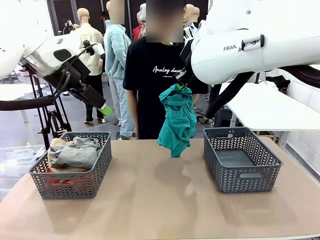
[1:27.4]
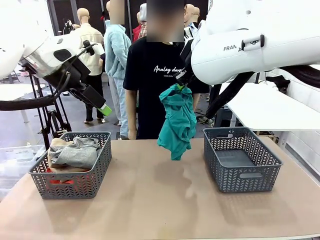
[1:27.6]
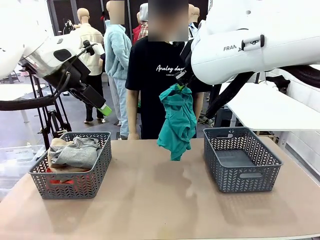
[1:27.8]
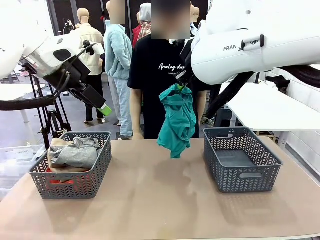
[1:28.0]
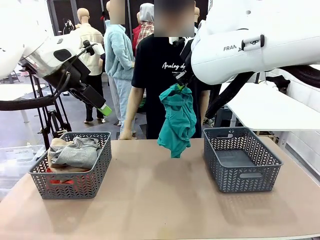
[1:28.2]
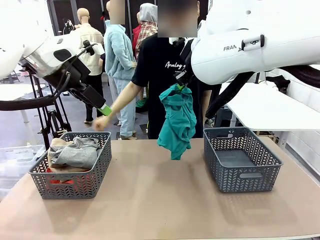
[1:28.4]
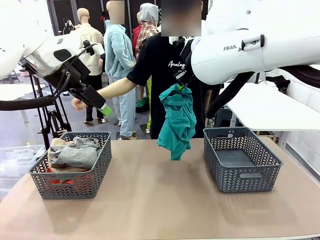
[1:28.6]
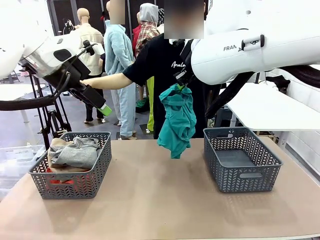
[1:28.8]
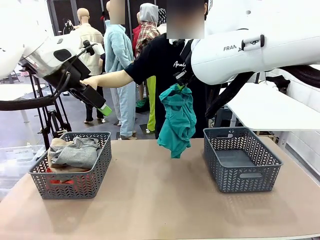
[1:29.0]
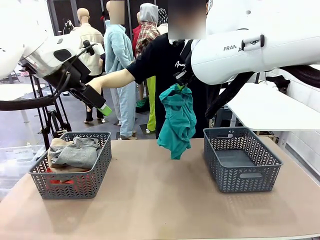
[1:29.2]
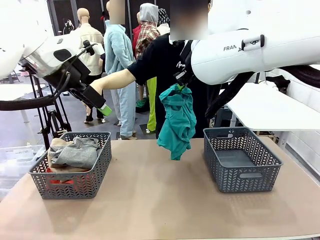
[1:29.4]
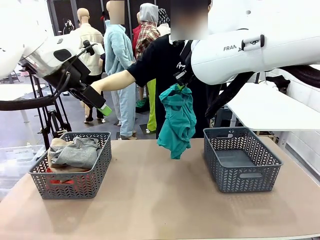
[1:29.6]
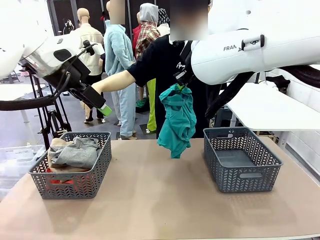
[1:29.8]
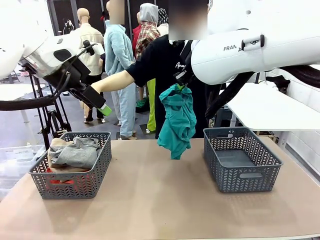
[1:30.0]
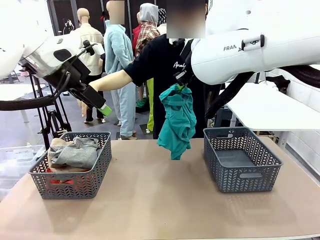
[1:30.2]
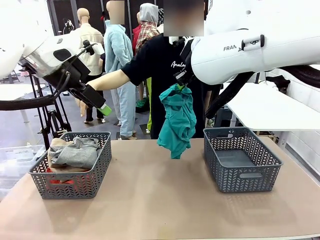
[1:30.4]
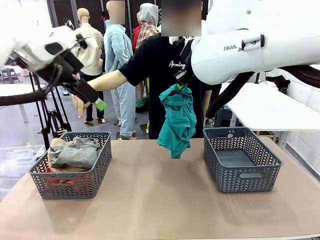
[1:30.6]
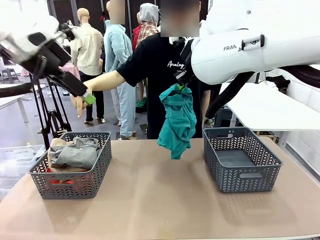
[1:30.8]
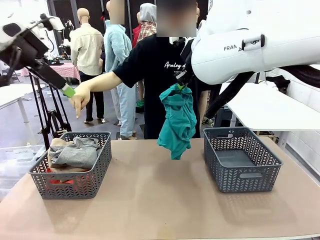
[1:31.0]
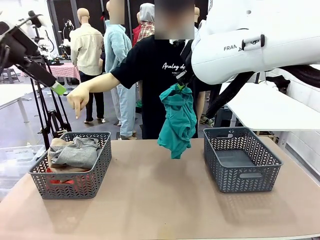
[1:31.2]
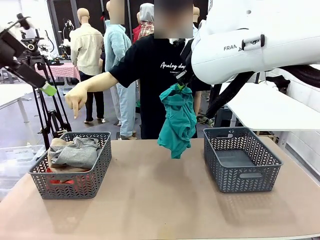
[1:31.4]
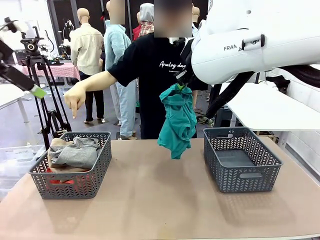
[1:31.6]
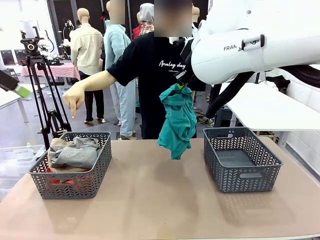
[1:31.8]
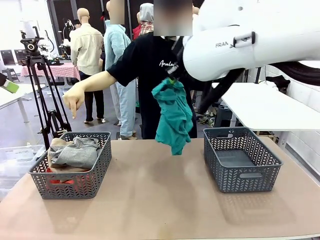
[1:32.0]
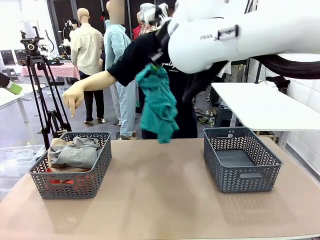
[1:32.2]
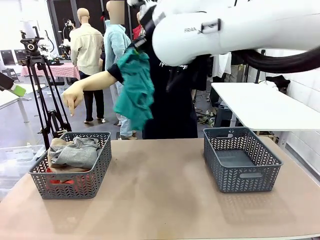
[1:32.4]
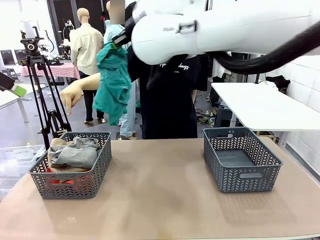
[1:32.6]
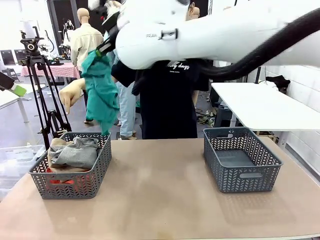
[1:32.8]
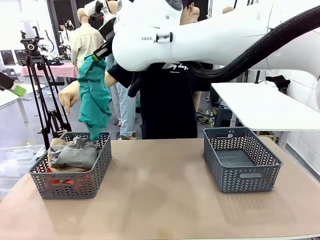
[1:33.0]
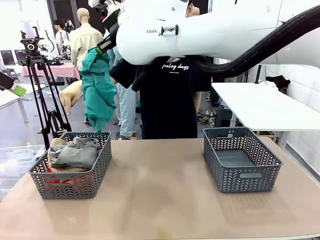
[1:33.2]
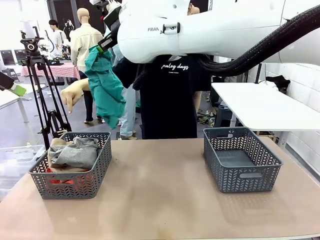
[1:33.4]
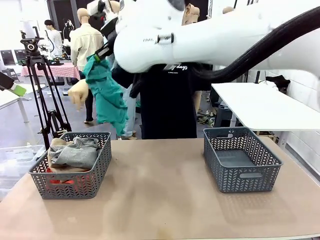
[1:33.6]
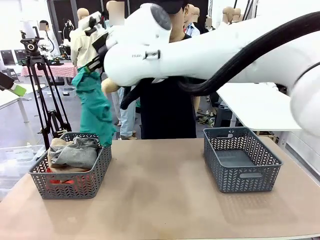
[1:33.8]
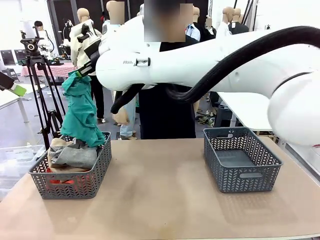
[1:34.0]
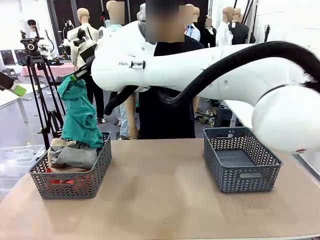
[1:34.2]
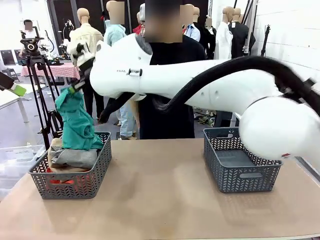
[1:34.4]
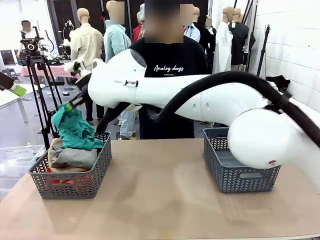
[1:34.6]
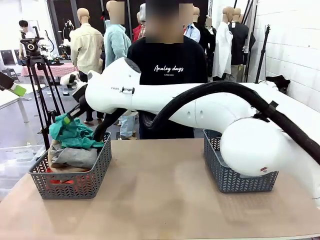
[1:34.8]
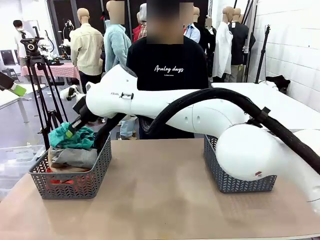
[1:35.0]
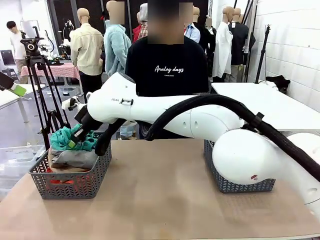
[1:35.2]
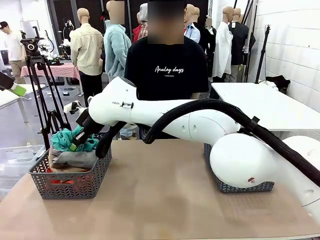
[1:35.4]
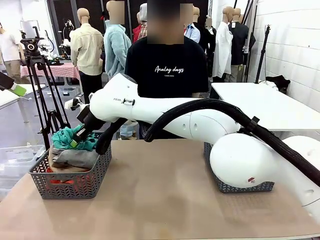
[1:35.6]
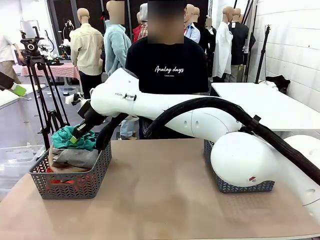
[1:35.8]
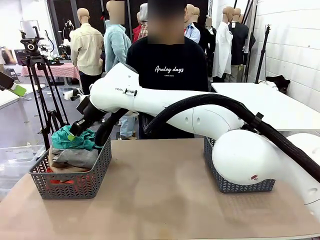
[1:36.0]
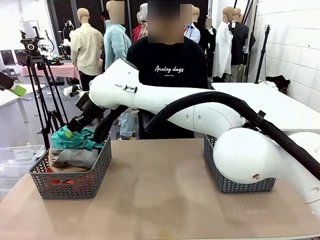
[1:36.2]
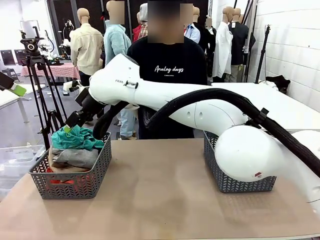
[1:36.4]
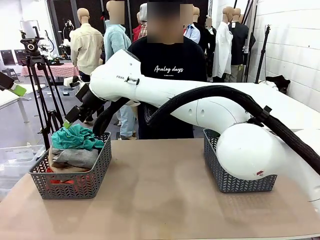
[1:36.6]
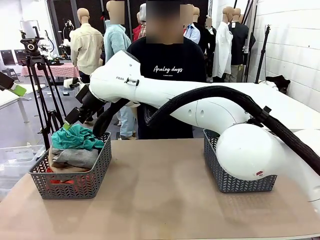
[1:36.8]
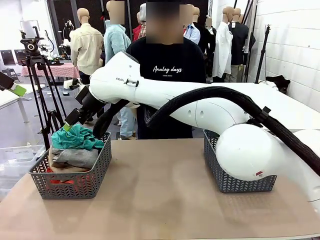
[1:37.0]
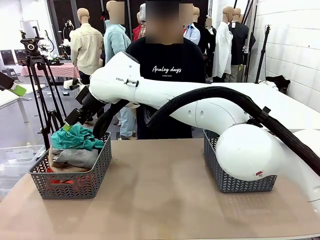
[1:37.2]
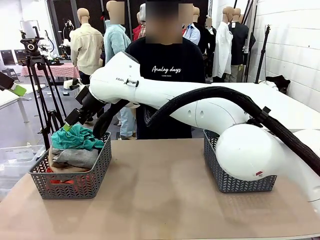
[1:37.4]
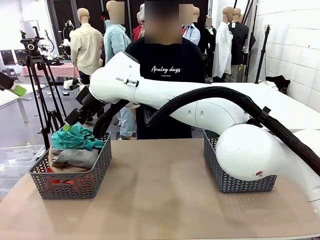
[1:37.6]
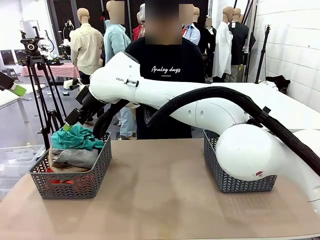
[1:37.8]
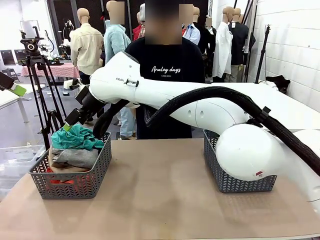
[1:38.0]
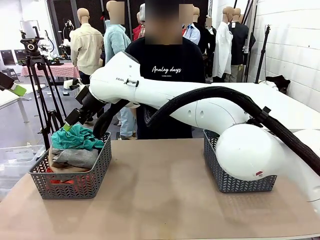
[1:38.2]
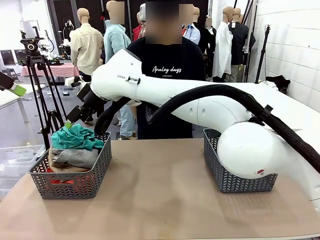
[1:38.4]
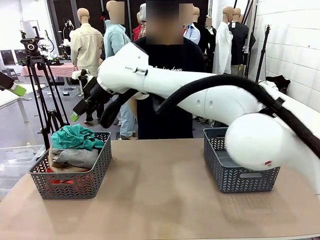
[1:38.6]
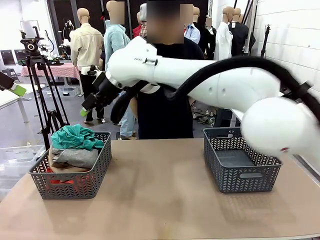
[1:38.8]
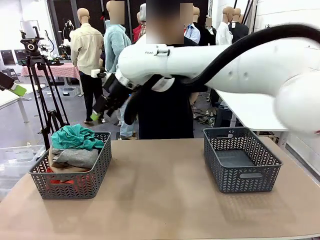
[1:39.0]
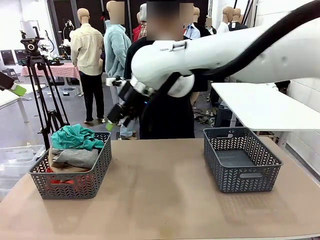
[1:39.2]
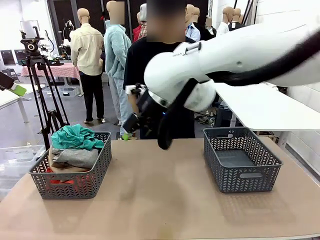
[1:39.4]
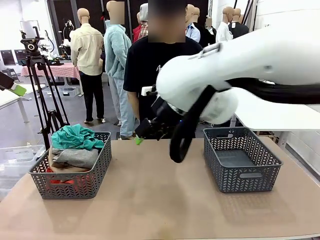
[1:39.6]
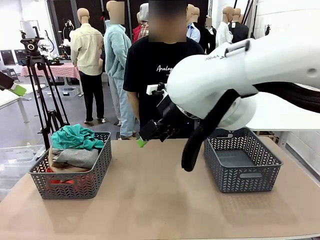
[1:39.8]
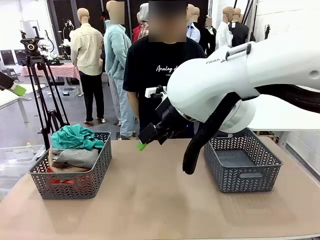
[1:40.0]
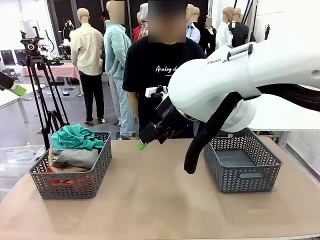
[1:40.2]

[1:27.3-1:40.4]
Task: Sort the tops and bottoms.
Robot: Sort the clothes according to human instructions.

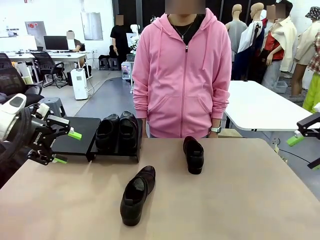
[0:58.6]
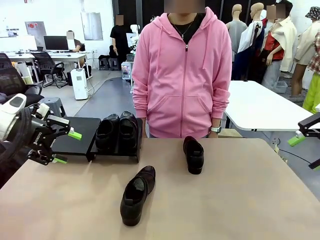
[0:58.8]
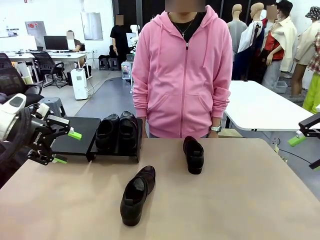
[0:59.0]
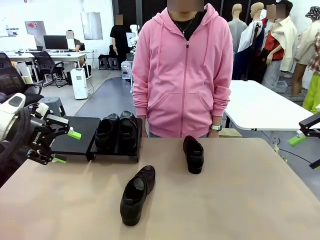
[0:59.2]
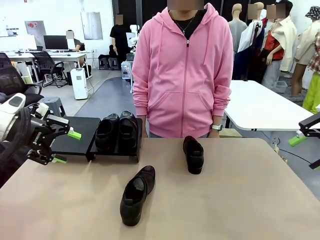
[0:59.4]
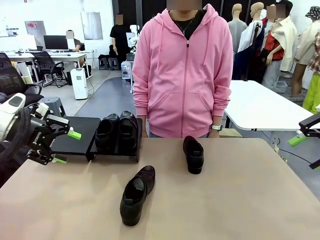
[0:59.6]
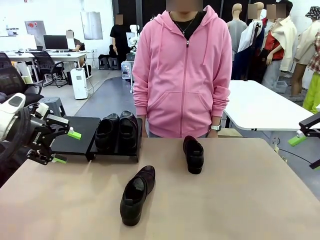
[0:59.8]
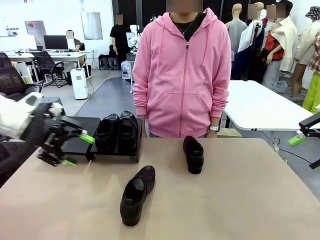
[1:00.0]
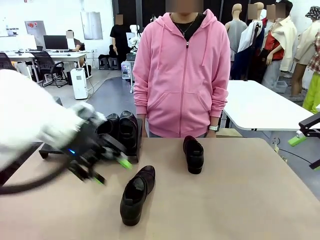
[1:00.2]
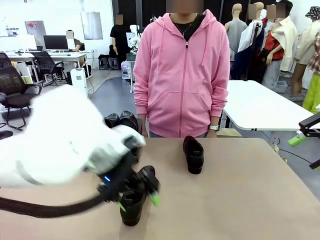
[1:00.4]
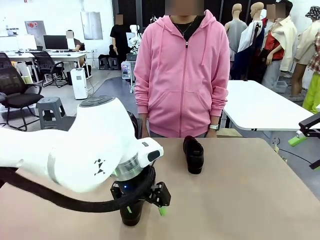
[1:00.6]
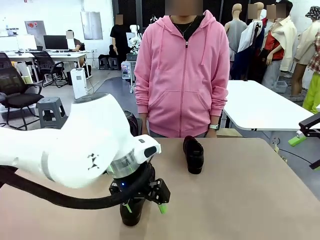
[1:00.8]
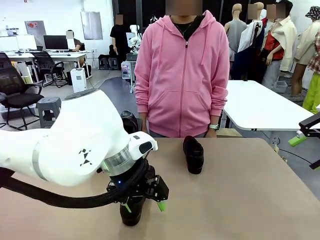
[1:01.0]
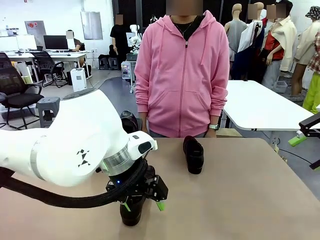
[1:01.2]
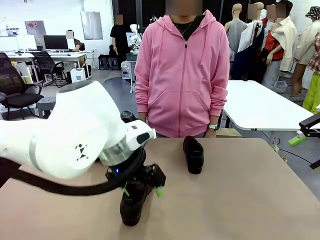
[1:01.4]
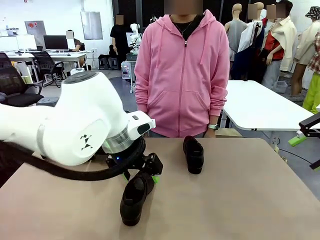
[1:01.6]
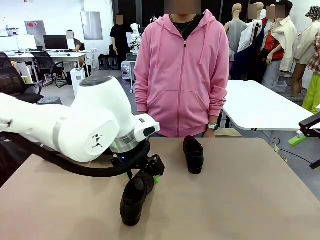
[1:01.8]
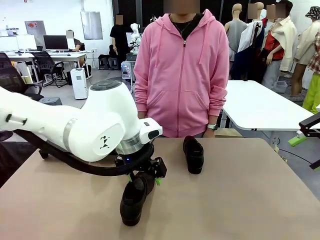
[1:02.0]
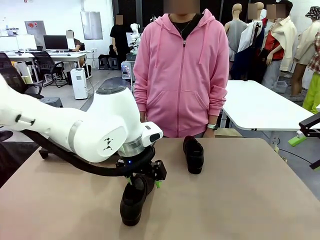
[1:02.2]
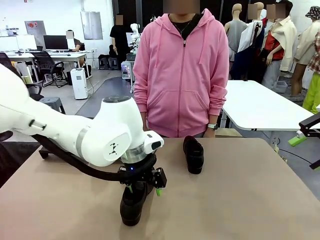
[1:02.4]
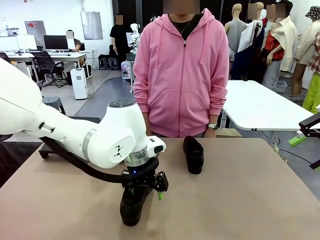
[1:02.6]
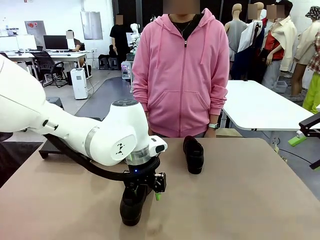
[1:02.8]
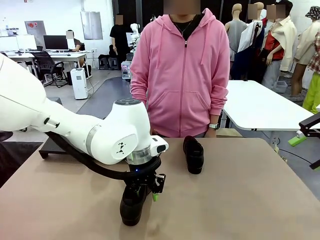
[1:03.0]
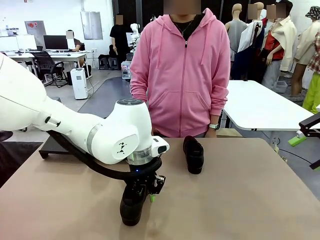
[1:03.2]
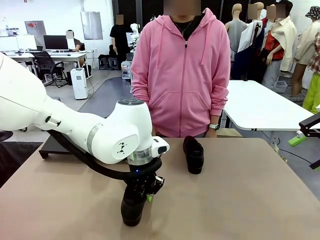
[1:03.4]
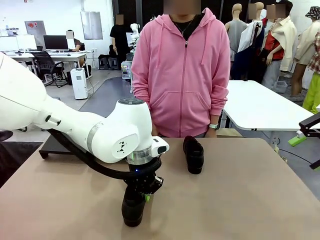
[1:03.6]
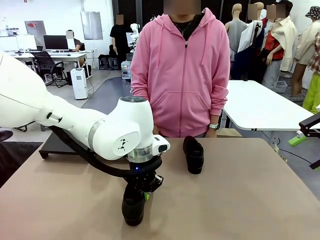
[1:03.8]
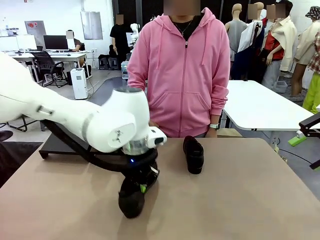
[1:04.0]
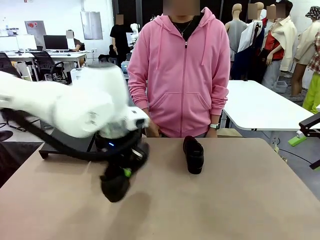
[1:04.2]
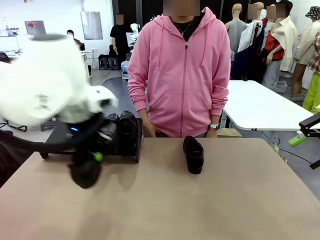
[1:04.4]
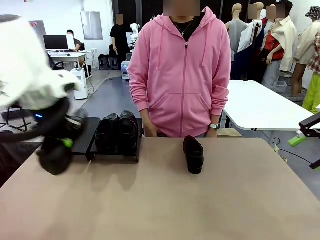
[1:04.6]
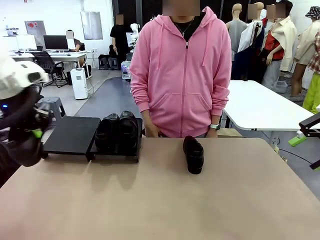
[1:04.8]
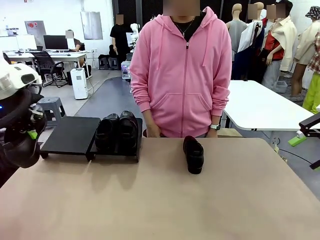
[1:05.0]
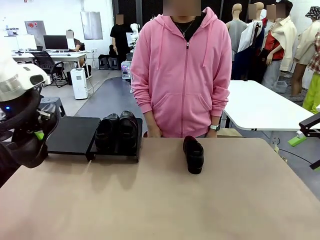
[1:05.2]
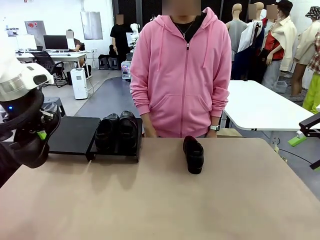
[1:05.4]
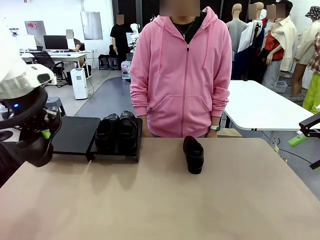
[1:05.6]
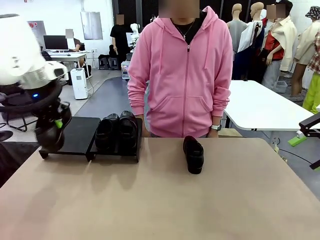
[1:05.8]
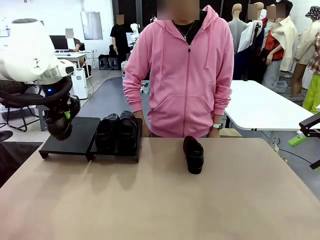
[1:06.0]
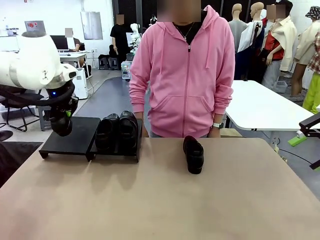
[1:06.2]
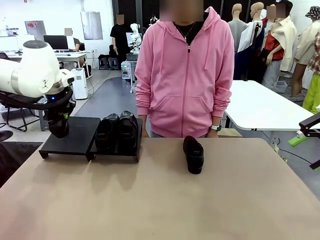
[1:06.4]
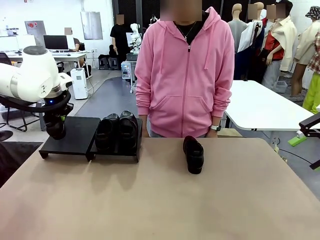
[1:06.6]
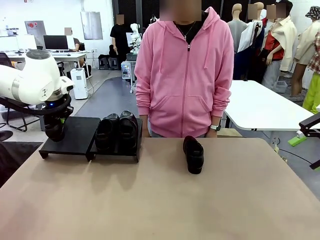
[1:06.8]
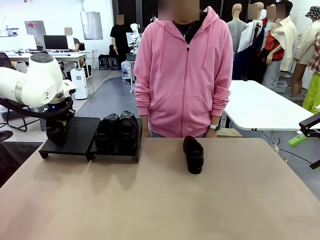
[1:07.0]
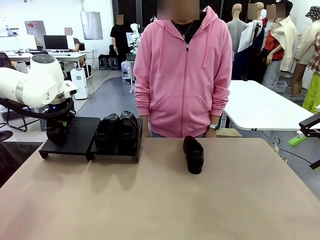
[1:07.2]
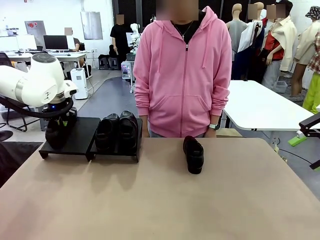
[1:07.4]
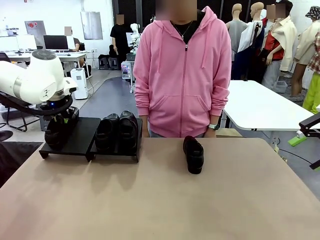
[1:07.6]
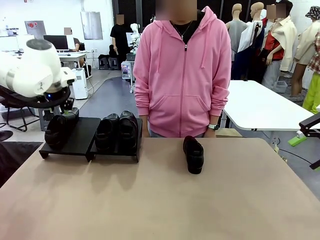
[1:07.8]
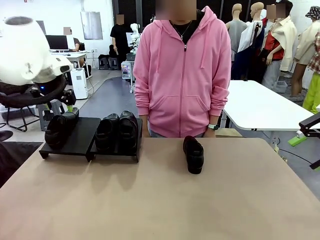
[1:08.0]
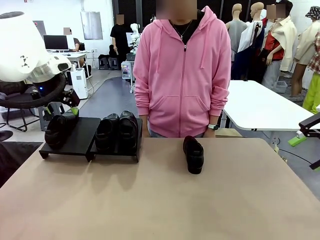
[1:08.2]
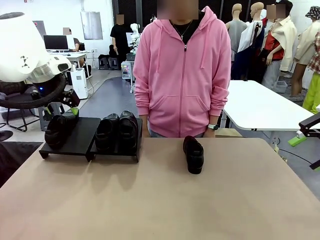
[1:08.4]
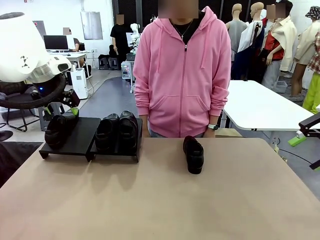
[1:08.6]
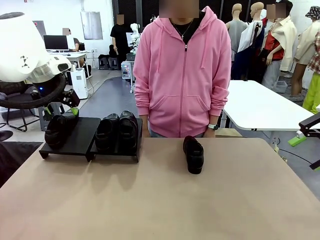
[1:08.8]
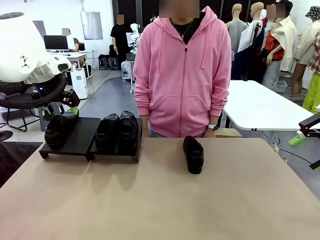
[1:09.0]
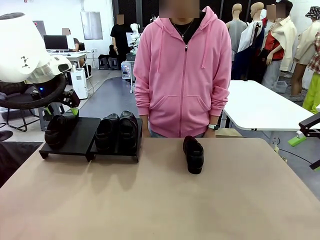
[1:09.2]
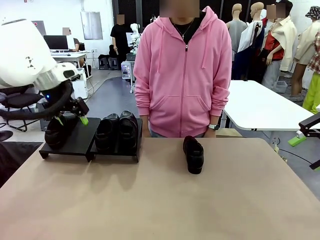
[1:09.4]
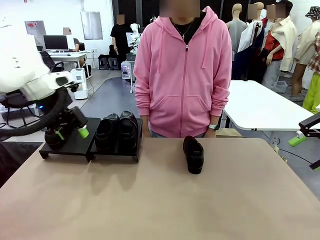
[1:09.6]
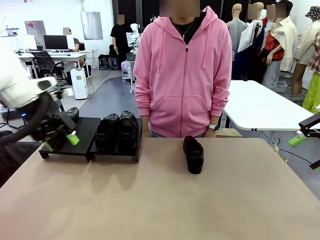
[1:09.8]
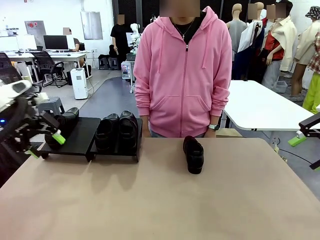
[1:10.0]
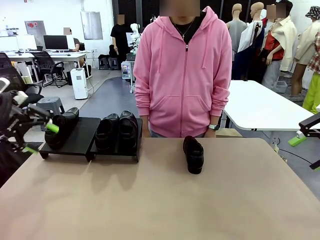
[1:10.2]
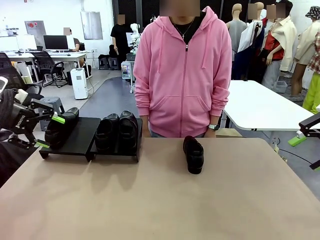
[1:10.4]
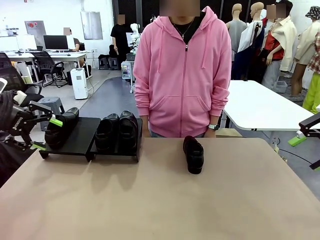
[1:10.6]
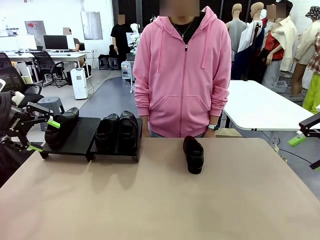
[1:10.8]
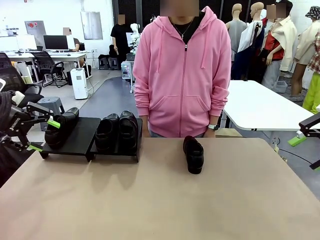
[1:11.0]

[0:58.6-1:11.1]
Task: Organize the shoes by placing them on the stand.
Robot: Place the Shoe from the middle of the table onto the Shoes Stand.
